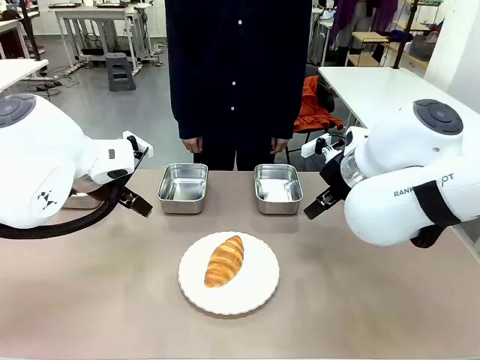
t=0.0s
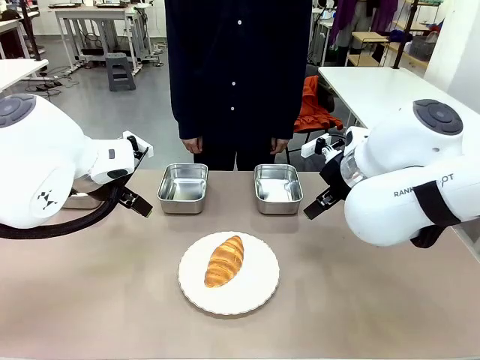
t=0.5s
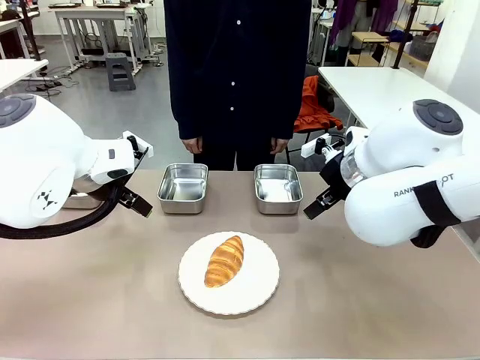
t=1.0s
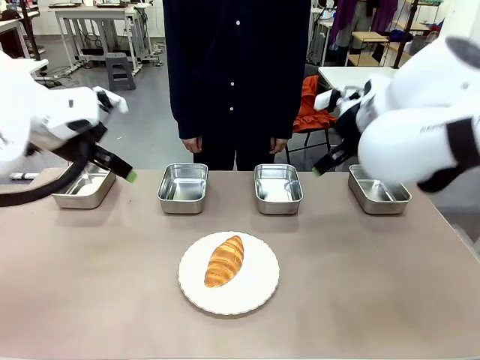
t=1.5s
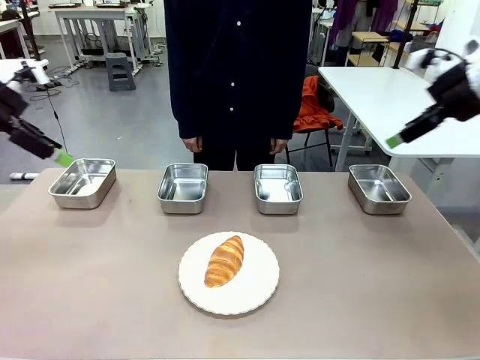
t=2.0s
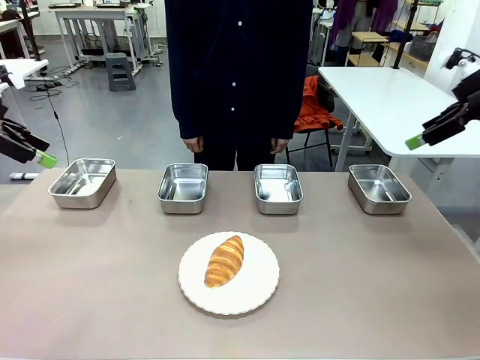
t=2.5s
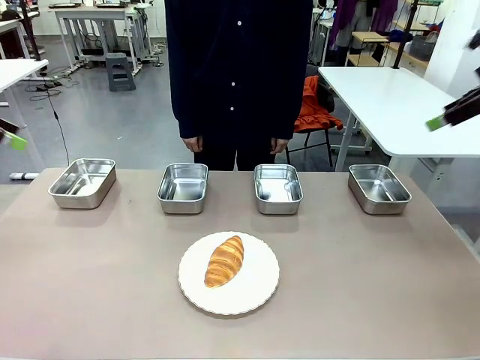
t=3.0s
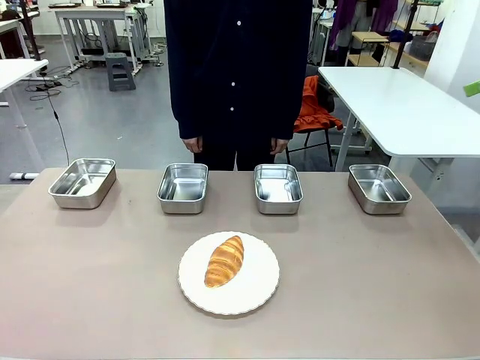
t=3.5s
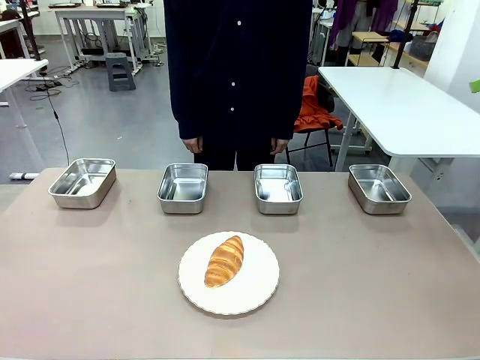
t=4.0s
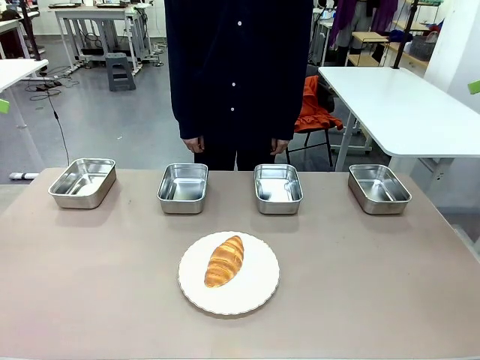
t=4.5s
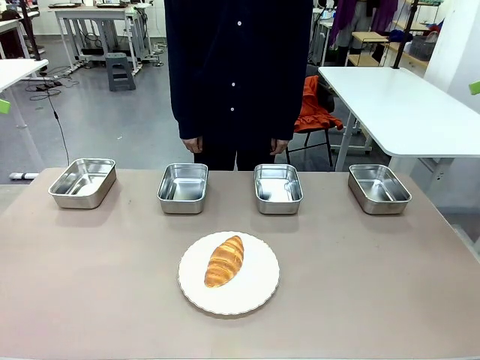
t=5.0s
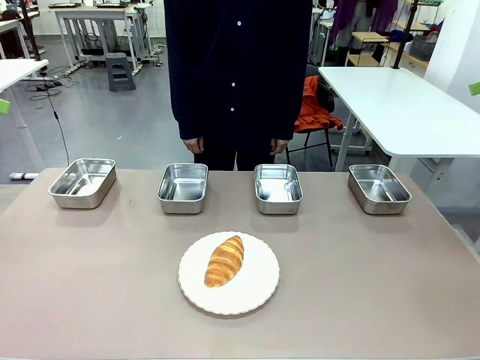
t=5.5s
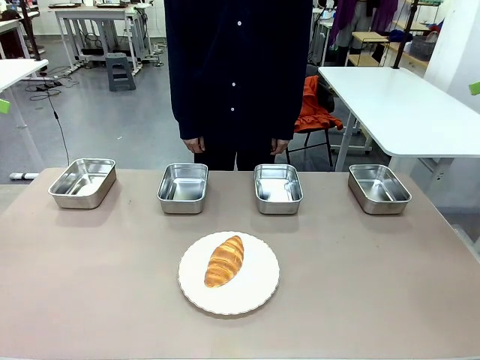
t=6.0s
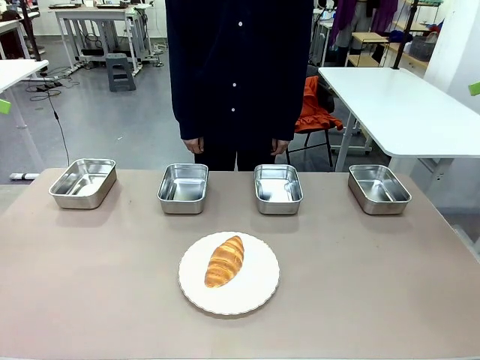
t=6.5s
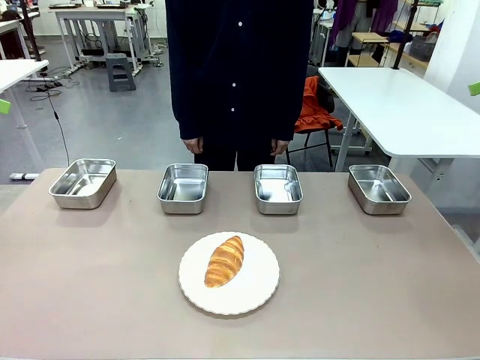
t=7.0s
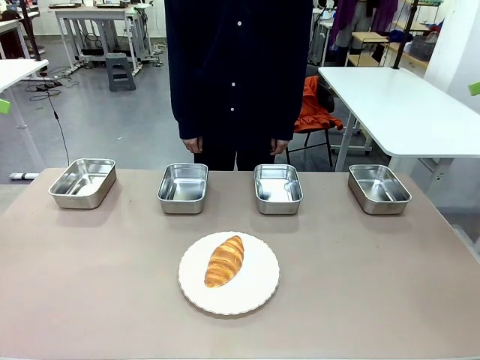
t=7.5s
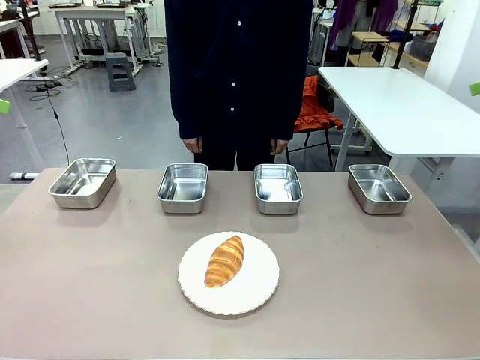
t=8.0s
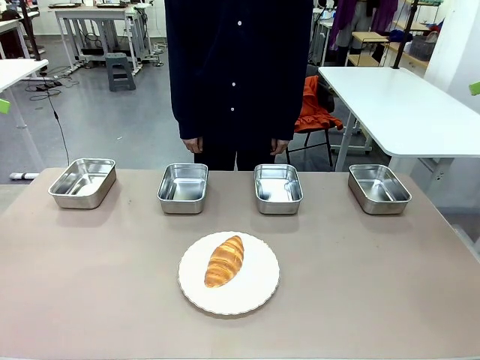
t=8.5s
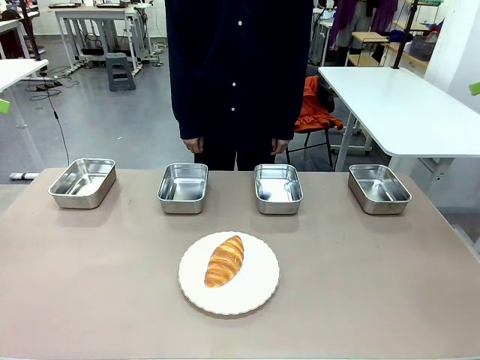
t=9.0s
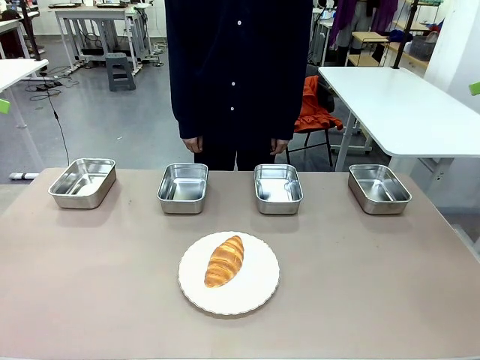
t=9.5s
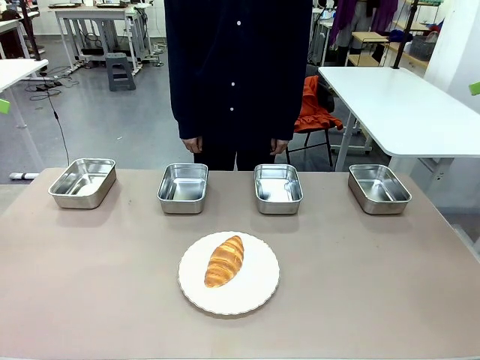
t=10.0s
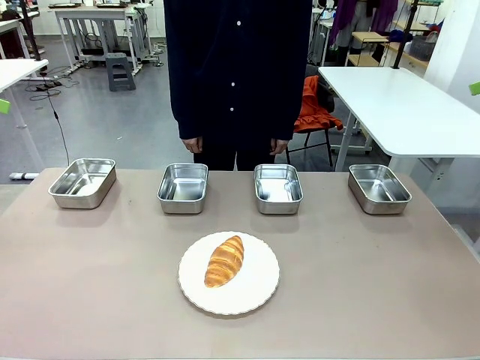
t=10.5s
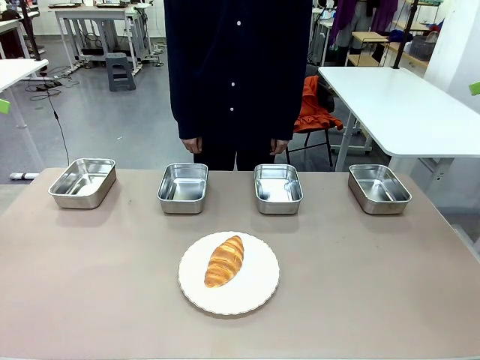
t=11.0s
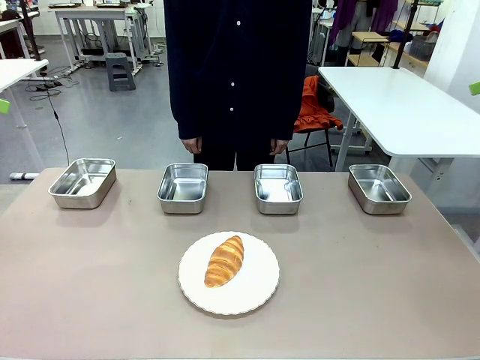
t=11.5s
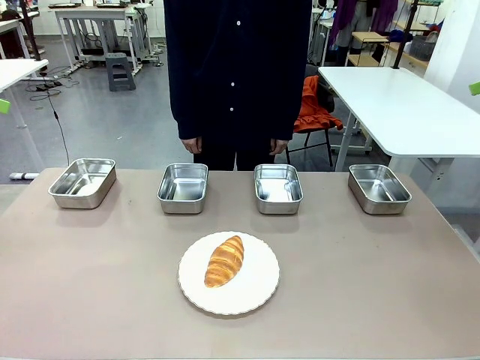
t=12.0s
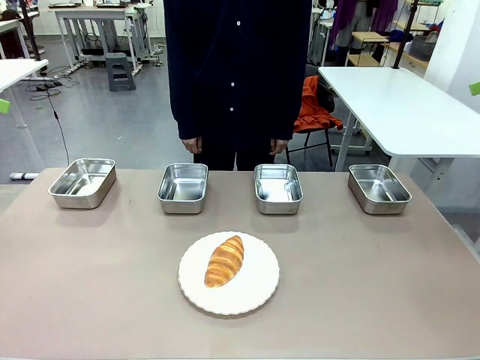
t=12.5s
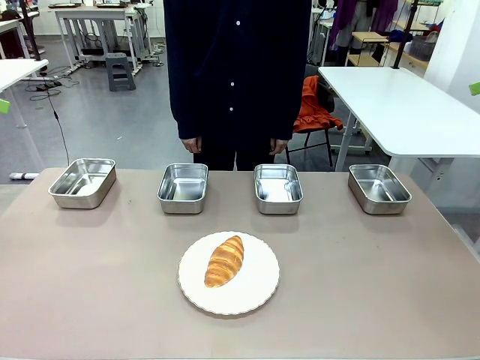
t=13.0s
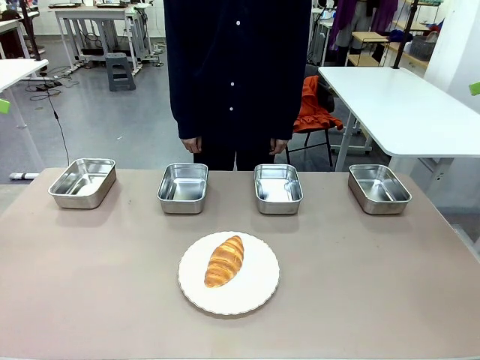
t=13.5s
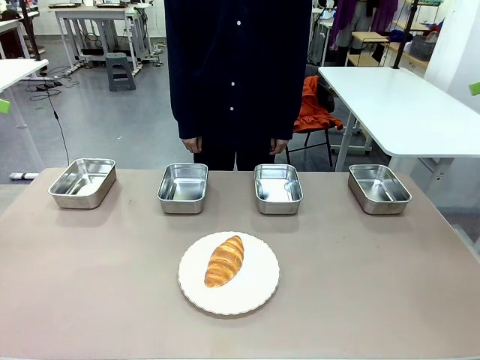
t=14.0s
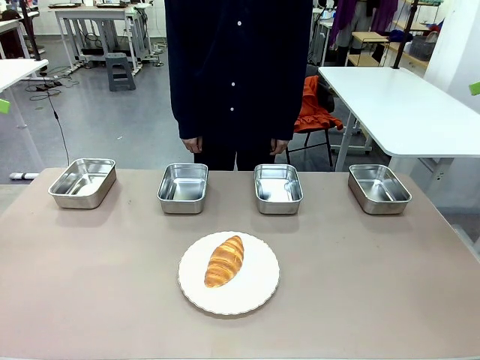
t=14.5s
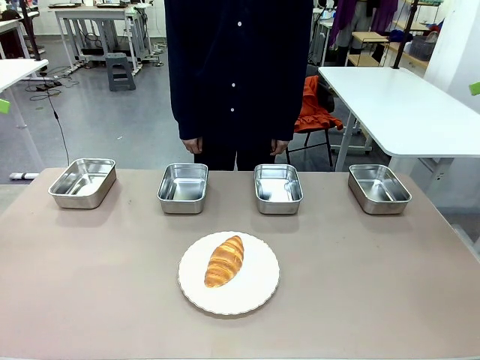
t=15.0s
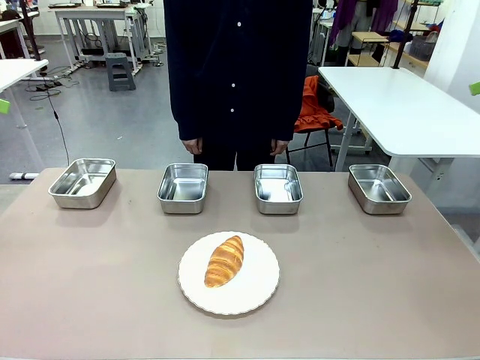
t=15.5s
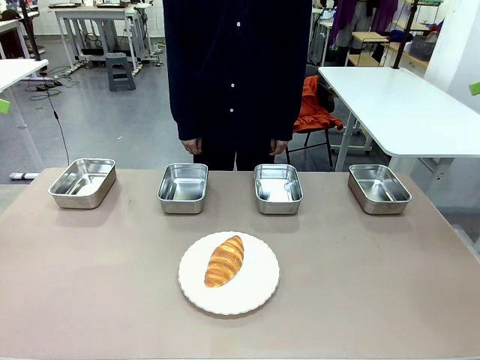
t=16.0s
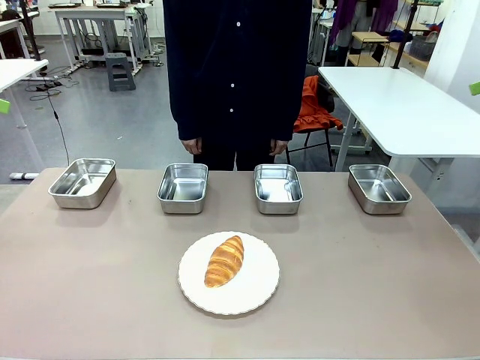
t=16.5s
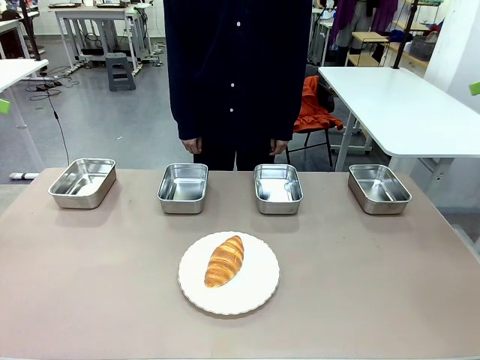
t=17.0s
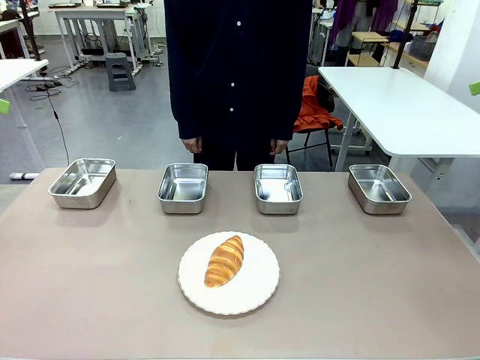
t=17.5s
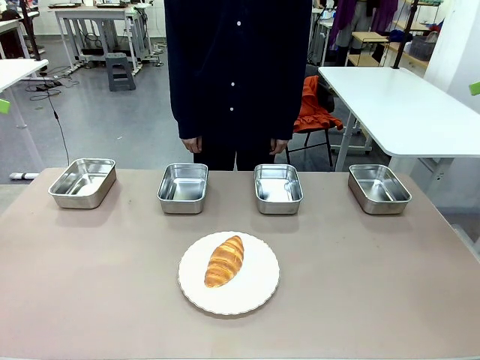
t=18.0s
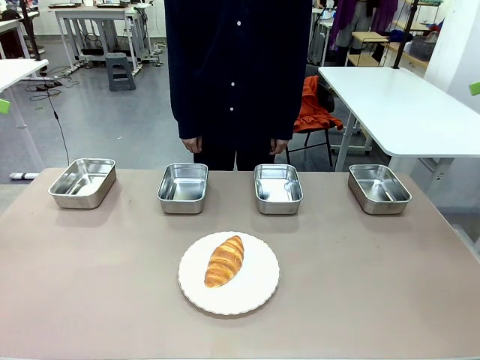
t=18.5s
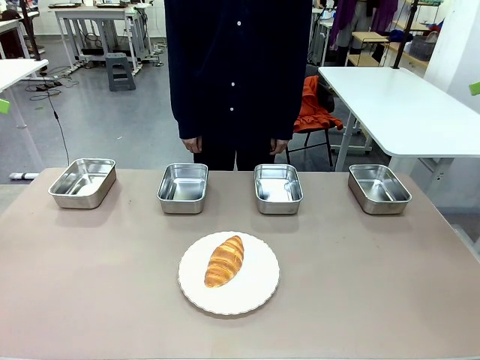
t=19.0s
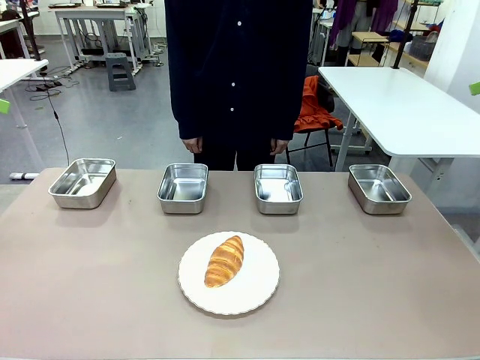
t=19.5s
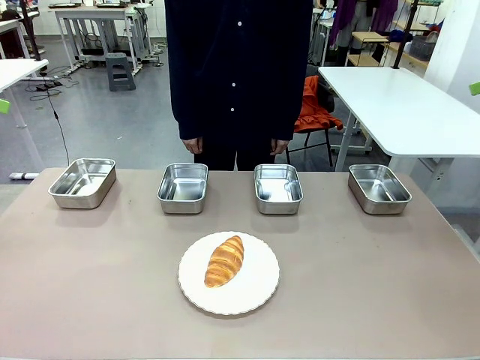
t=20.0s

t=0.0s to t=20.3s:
Task: Place the bread in the container.
Robot: Place the Butter Roll into the Airtight Container indicated by the human.

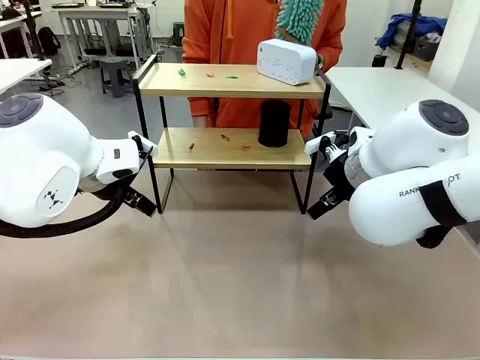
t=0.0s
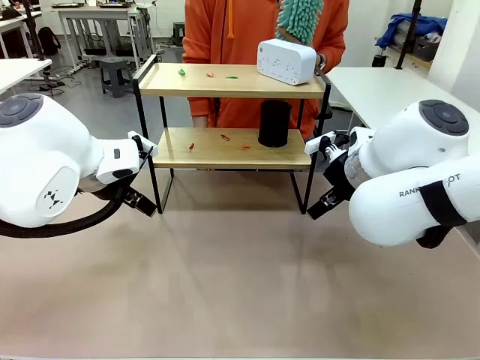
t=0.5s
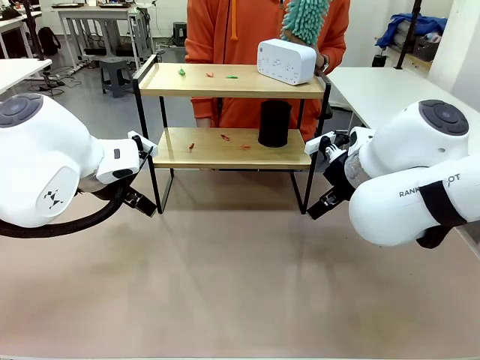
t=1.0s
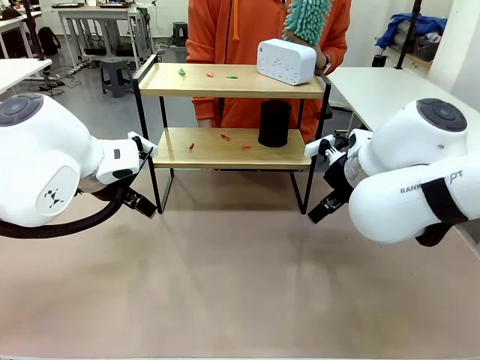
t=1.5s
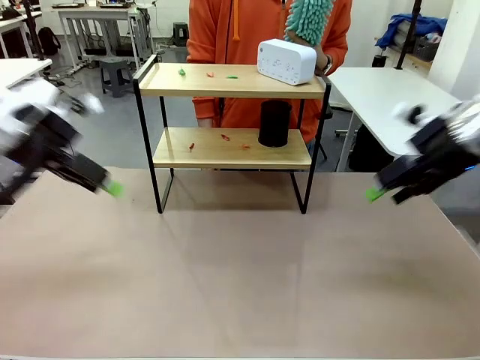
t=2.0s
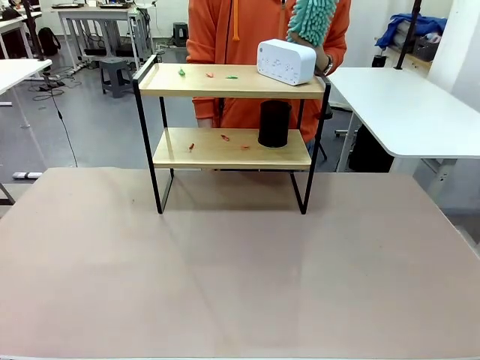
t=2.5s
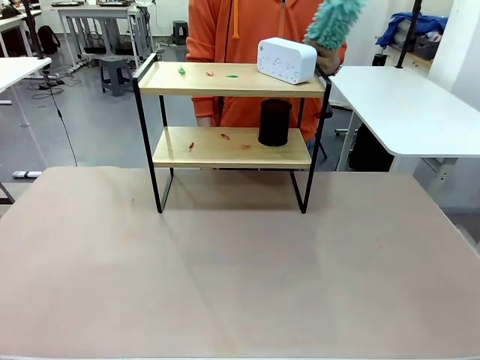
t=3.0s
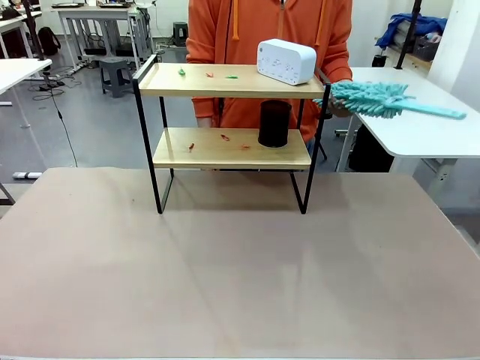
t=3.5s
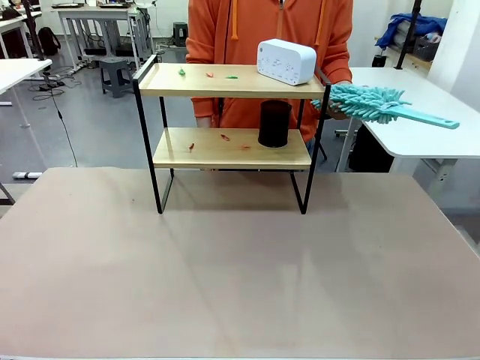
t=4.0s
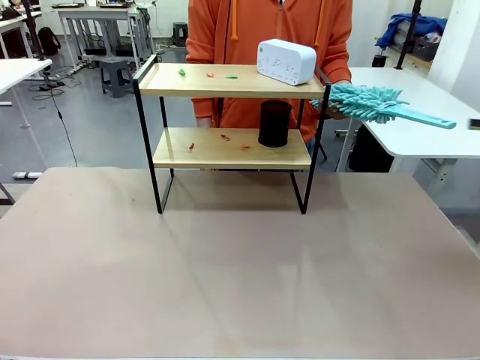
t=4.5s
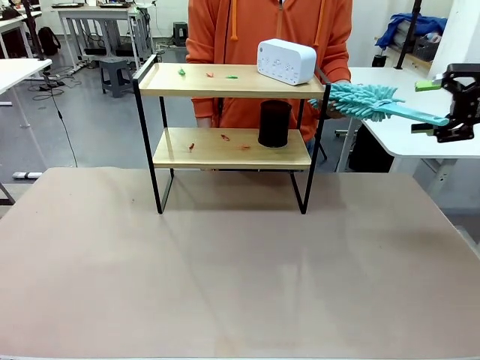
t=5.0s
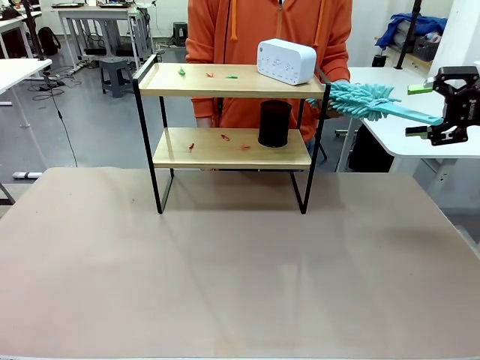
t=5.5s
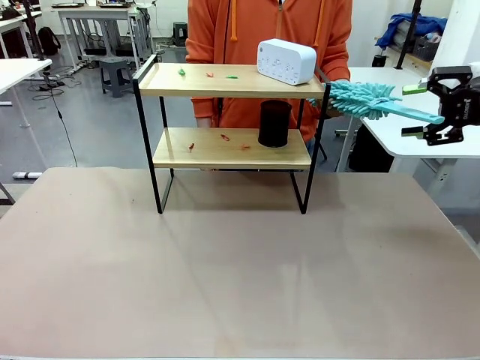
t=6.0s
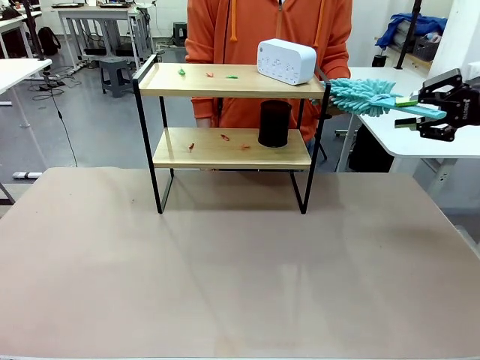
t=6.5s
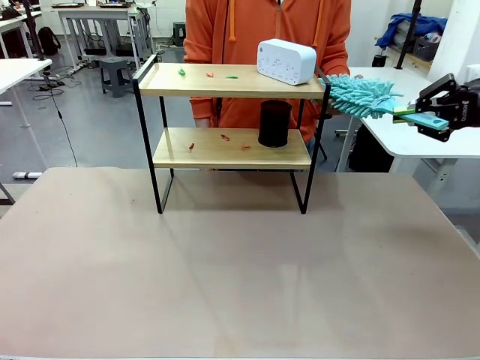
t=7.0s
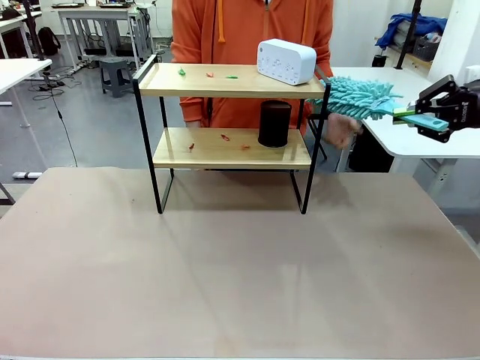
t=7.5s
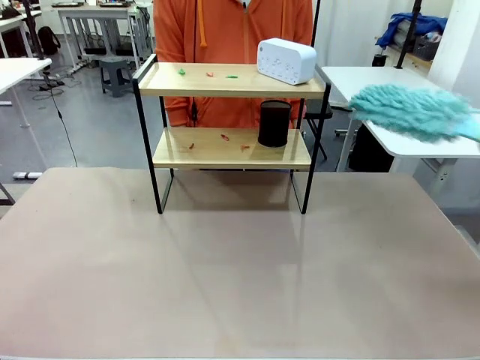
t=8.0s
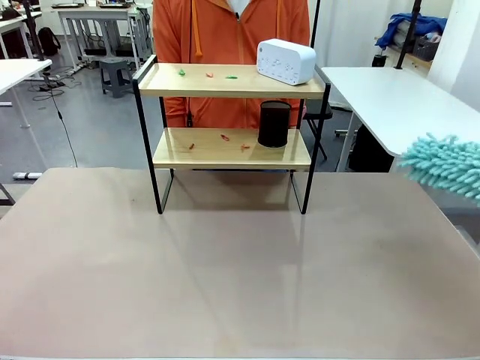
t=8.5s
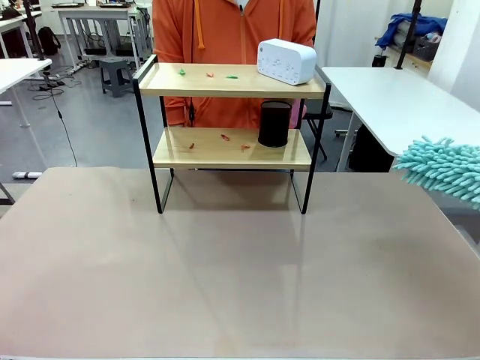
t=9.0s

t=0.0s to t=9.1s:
Task: Clean the shelf.
Robot: Pick up the Duster from the human.
Person: Hand the Duster to the robot.
